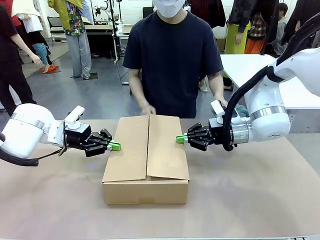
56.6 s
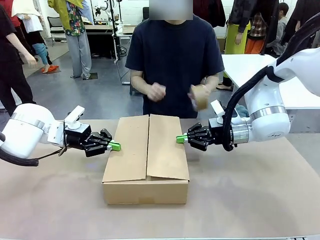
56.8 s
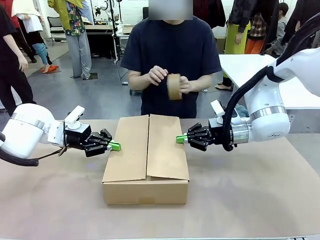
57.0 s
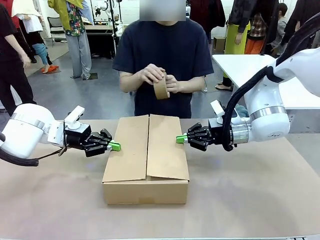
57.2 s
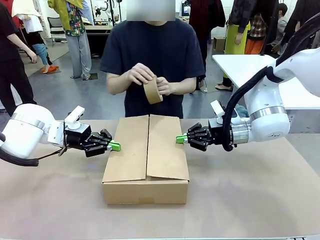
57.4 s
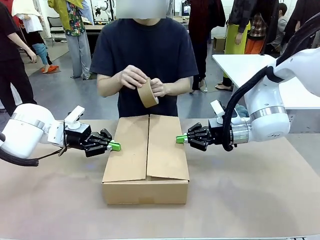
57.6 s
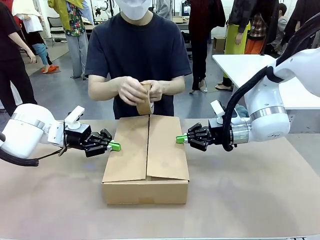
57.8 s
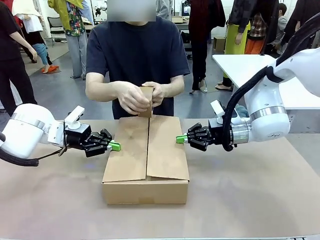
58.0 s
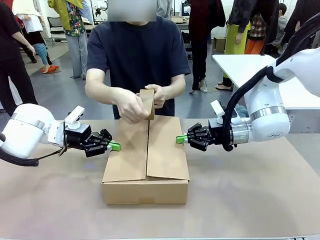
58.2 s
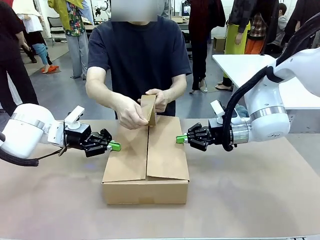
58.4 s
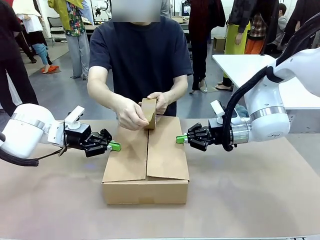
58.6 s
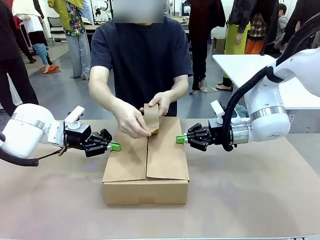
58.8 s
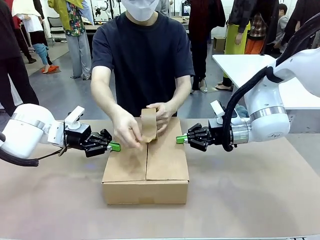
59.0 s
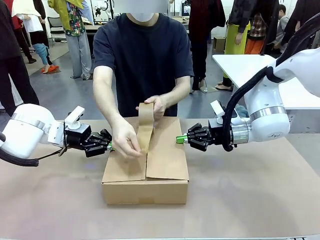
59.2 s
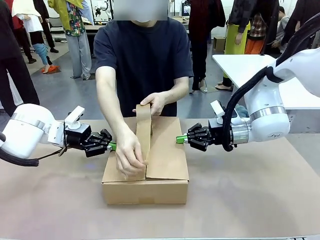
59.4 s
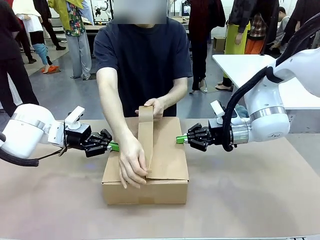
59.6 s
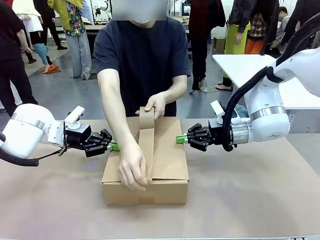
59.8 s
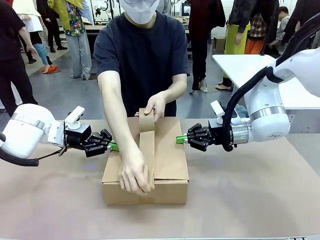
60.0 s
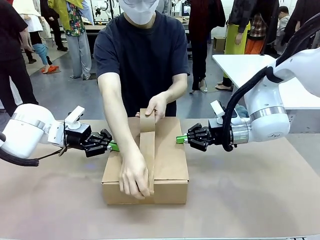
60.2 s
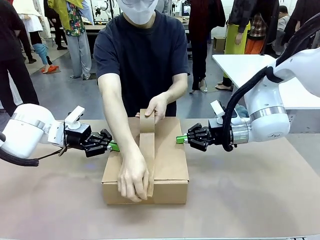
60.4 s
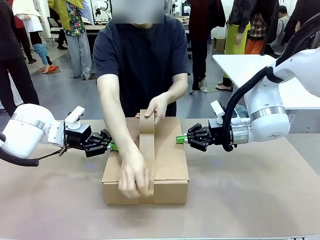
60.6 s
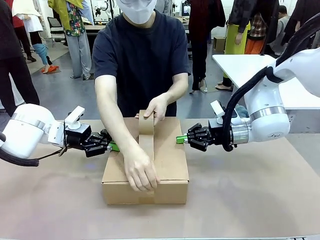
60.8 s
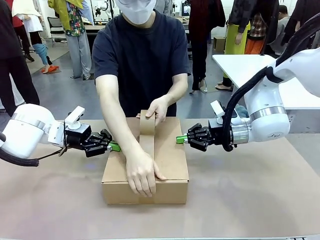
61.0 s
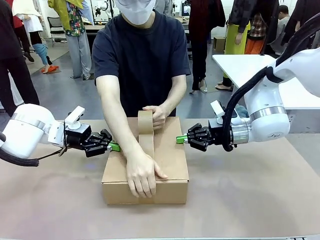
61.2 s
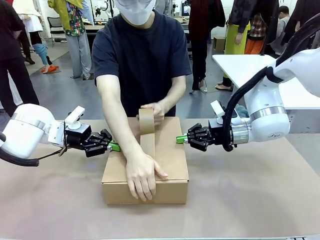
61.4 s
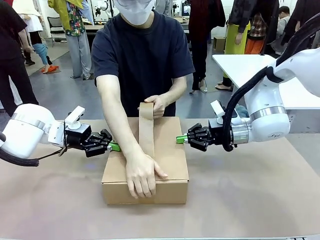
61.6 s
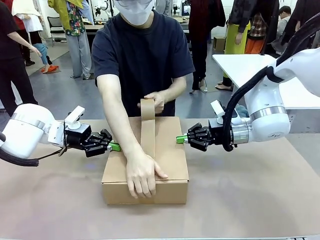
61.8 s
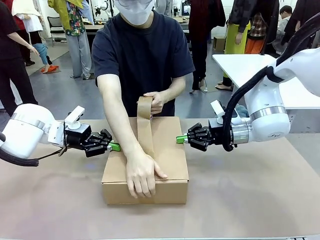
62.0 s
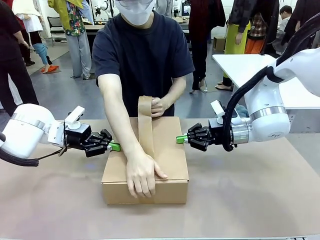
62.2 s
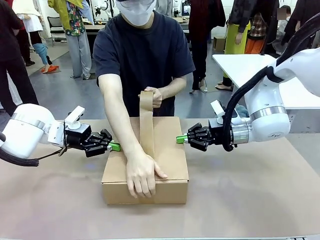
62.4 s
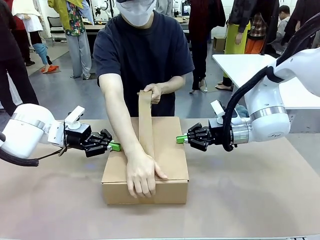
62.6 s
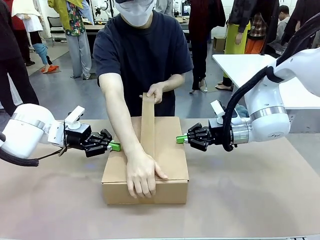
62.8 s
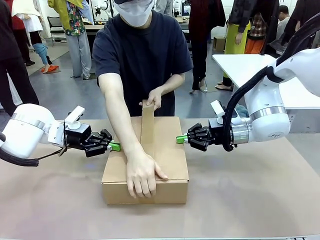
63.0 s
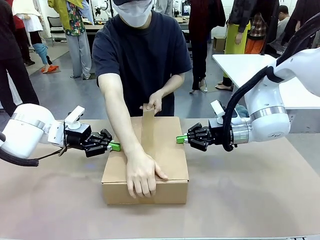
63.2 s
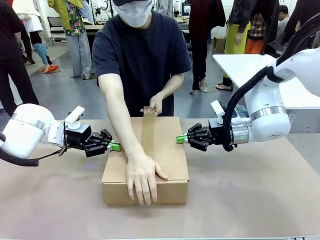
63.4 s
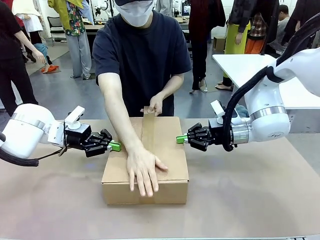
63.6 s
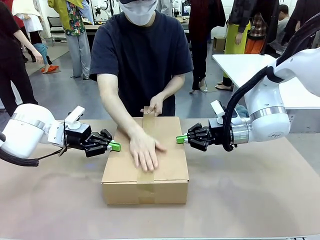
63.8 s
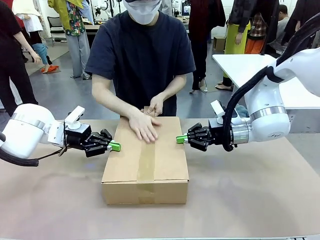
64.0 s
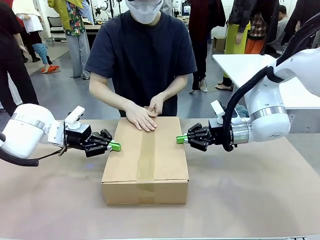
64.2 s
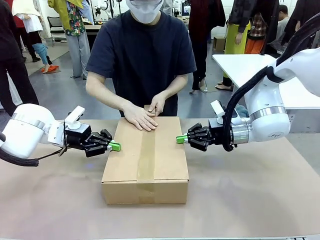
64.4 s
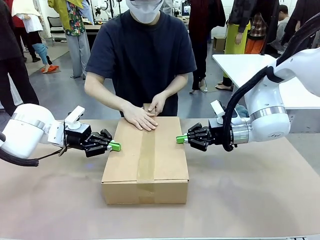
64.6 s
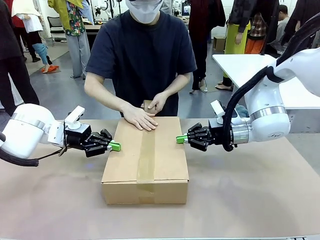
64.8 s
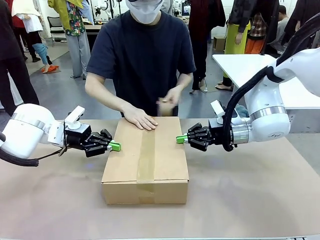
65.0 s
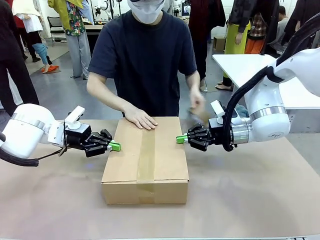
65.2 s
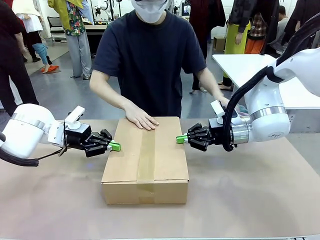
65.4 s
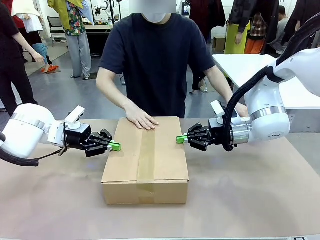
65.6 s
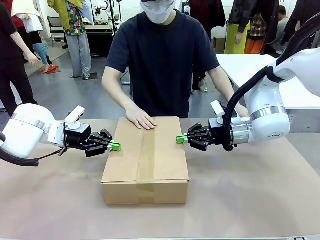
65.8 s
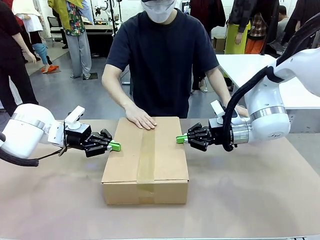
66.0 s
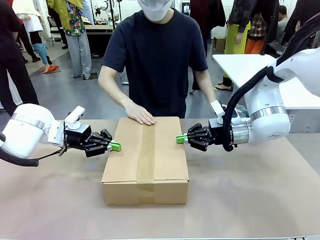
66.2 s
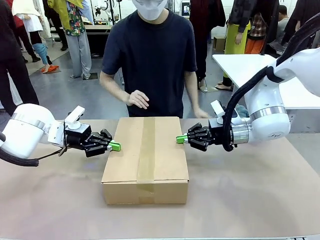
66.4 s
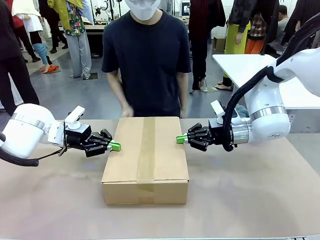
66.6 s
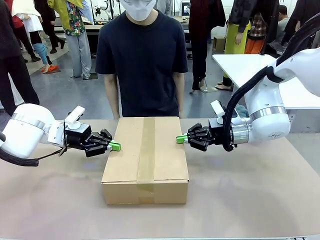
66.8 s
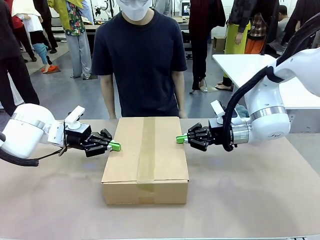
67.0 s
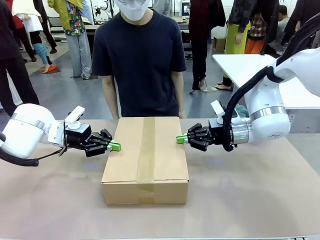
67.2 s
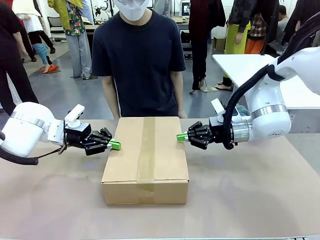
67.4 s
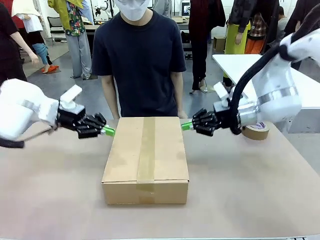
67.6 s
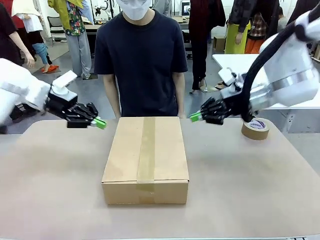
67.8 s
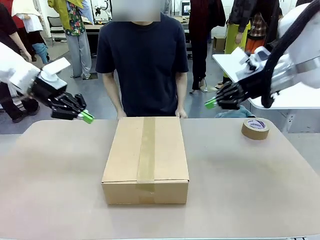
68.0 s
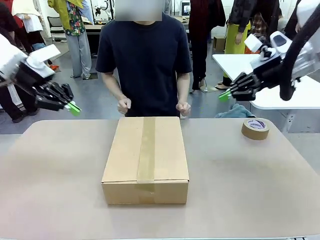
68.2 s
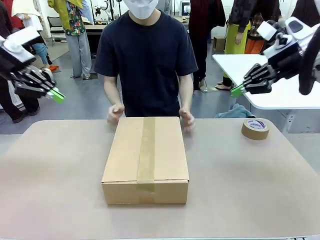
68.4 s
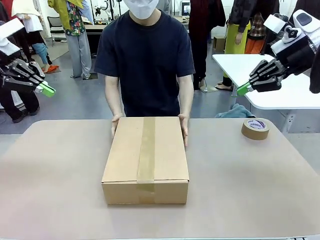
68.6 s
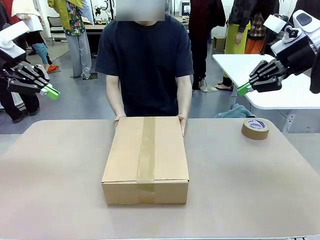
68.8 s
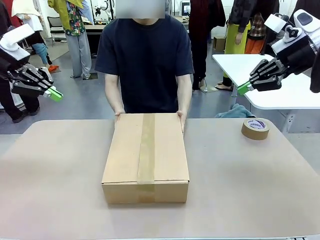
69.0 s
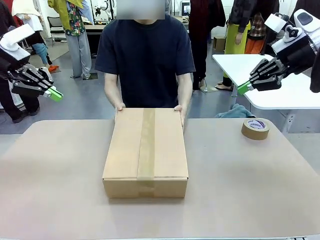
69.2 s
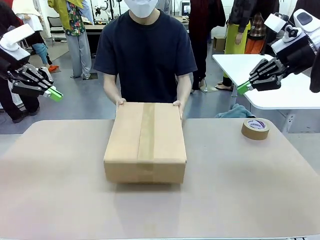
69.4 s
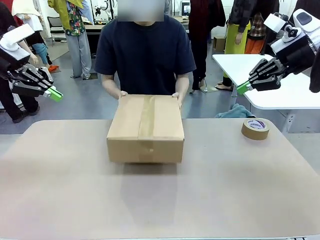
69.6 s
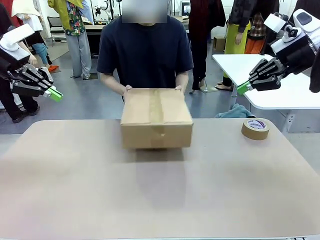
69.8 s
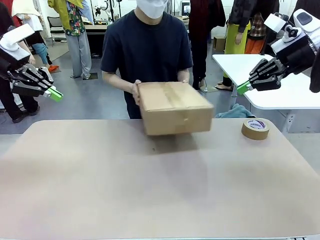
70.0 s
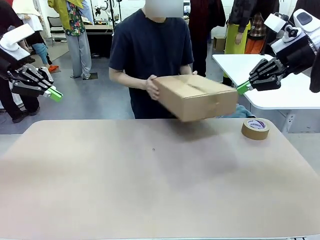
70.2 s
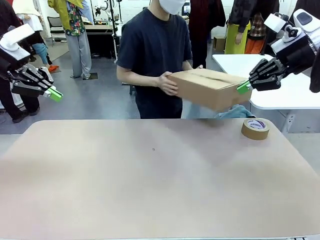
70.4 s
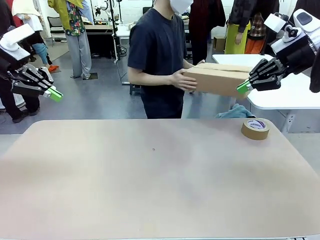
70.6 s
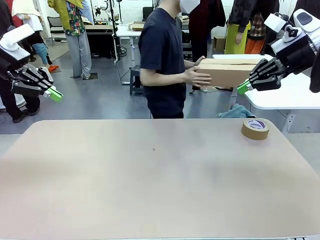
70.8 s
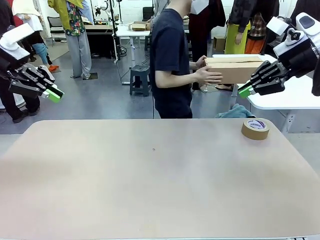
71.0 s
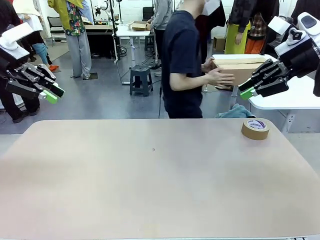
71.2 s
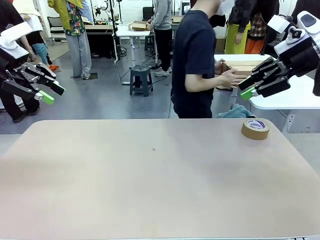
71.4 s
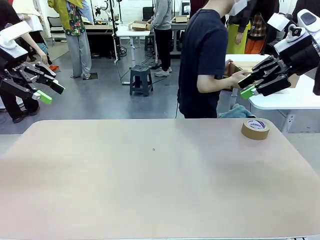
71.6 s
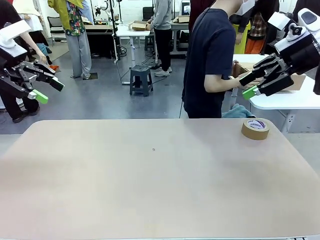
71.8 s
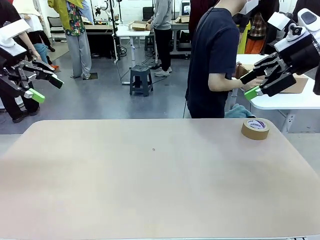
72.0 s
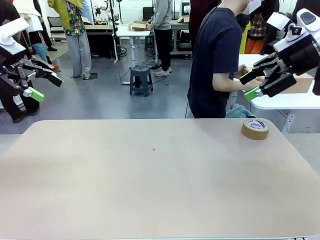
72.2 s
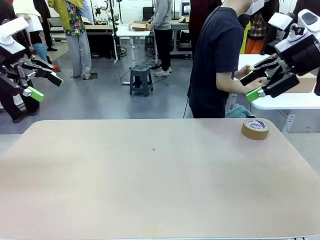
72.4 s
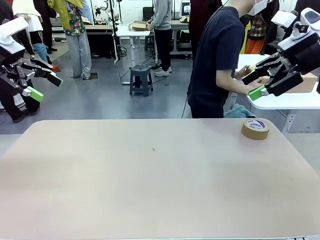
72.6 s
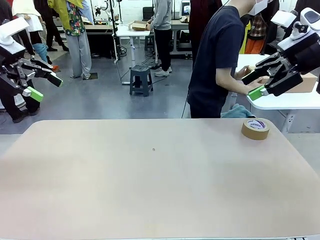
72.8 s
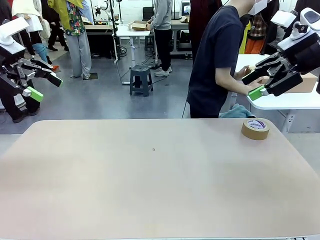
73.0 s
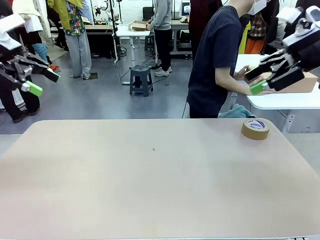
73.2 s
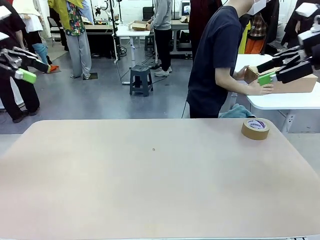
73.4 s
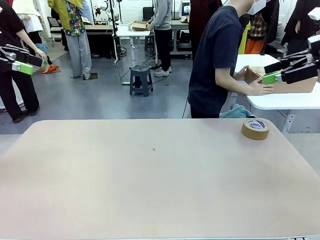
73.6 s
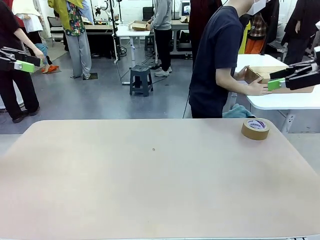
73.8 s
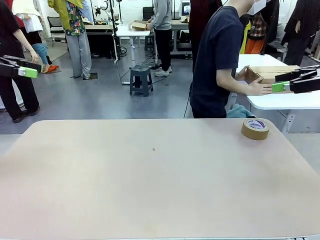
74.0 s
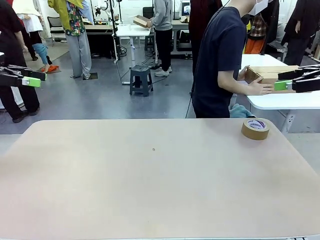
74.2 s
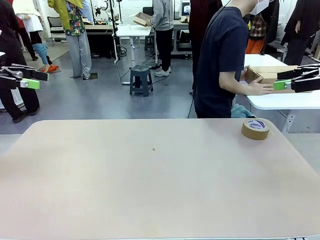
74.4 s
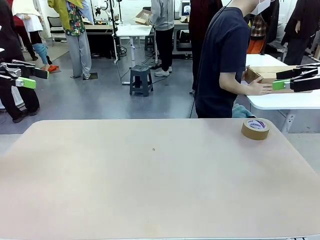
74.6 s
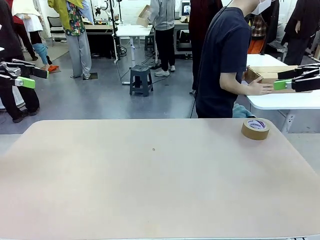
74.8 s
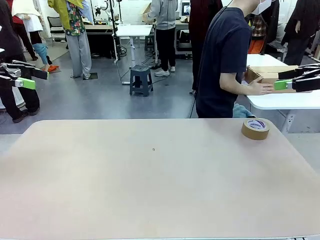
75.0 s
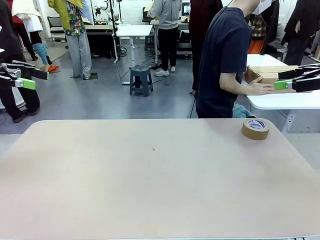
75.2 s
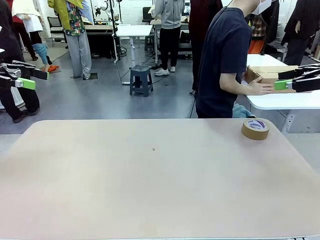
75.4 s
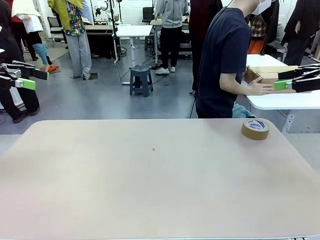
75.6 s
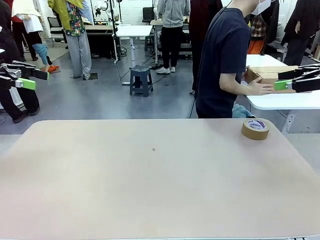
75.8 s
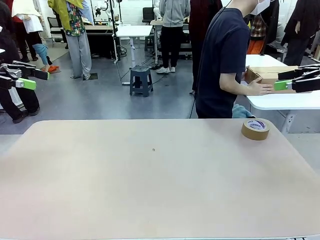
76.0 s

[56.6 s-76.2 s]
Task: Wrap the clocks to prevent damage.
Robot: After the human seals the box with tape, release both hands from the side flaps of the Package Box.
Person: Once the robot closes the left flap of the Package Box , seal the box with Paper Tape. Place sealed Package Box in the middle of the human's table.
